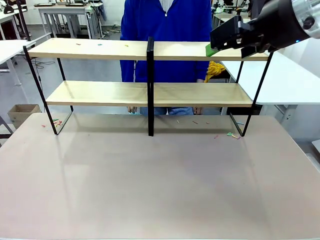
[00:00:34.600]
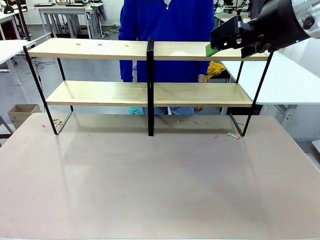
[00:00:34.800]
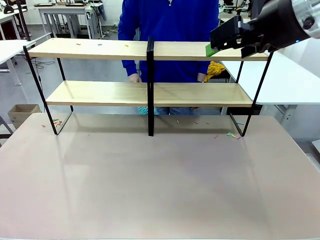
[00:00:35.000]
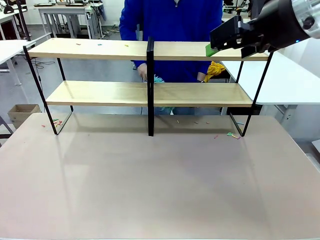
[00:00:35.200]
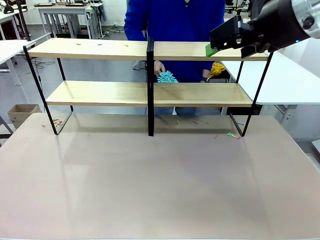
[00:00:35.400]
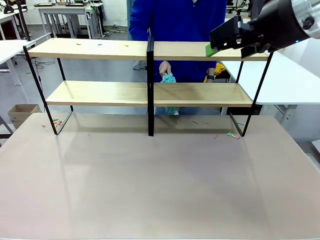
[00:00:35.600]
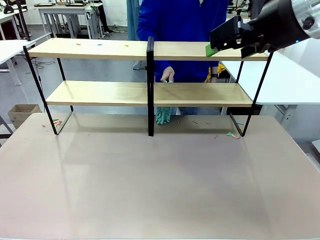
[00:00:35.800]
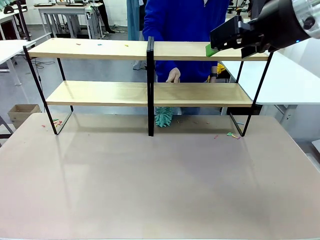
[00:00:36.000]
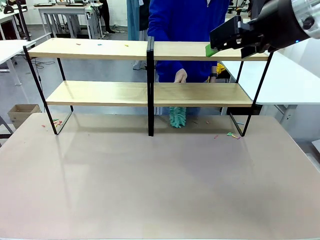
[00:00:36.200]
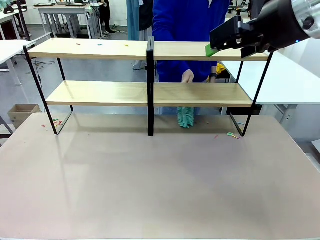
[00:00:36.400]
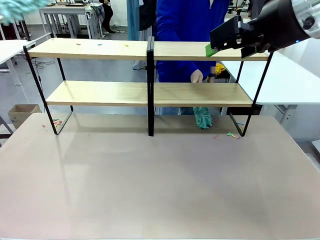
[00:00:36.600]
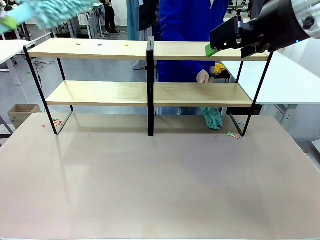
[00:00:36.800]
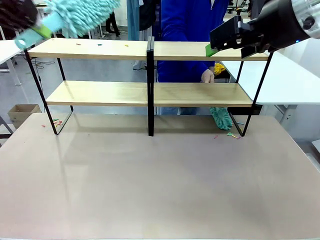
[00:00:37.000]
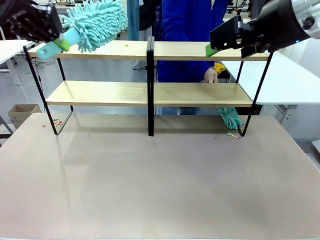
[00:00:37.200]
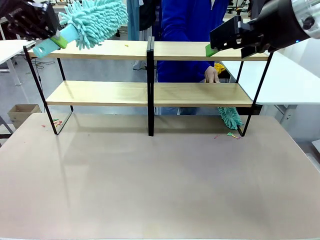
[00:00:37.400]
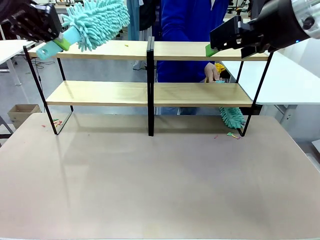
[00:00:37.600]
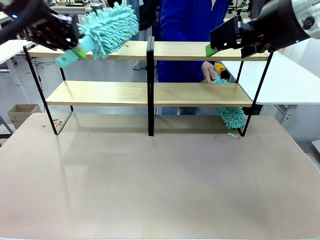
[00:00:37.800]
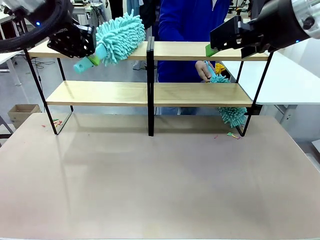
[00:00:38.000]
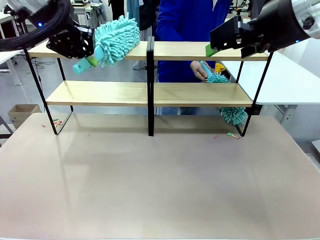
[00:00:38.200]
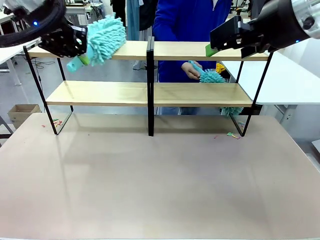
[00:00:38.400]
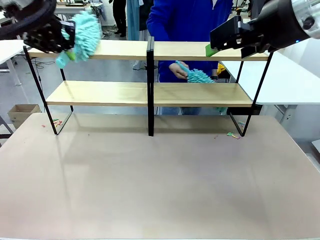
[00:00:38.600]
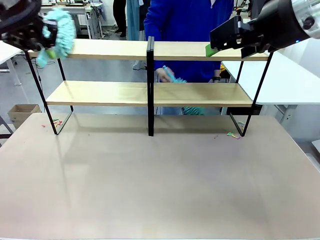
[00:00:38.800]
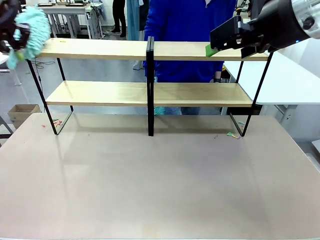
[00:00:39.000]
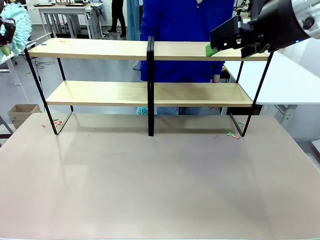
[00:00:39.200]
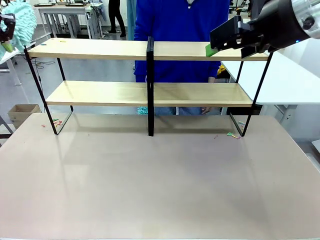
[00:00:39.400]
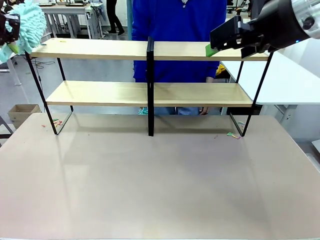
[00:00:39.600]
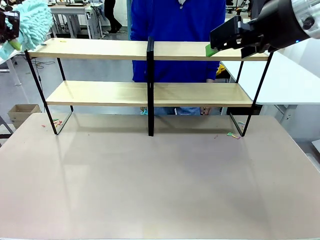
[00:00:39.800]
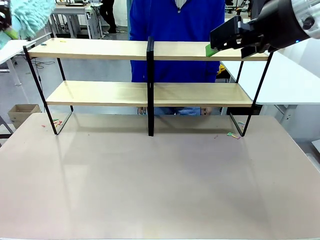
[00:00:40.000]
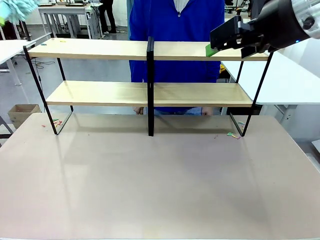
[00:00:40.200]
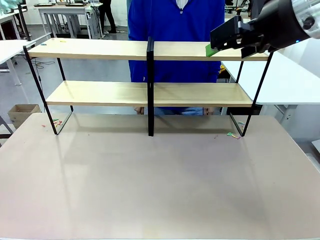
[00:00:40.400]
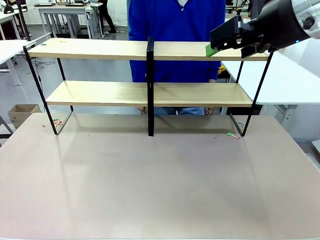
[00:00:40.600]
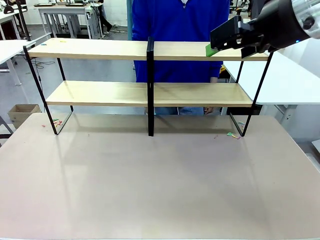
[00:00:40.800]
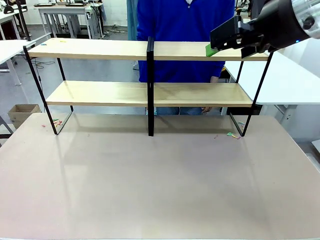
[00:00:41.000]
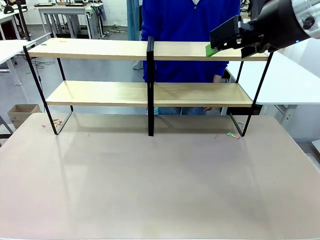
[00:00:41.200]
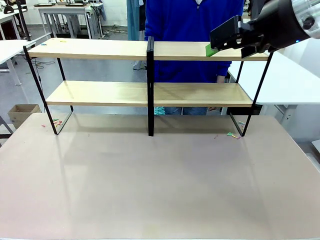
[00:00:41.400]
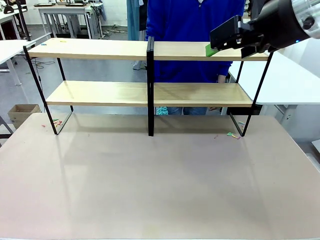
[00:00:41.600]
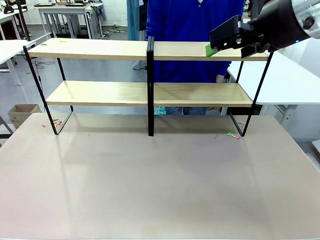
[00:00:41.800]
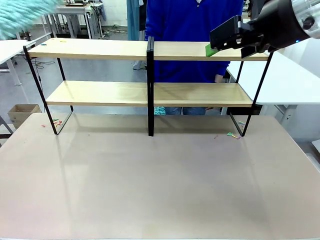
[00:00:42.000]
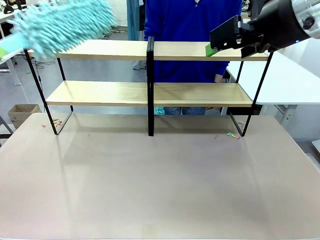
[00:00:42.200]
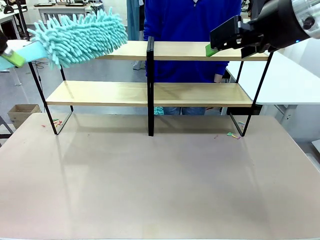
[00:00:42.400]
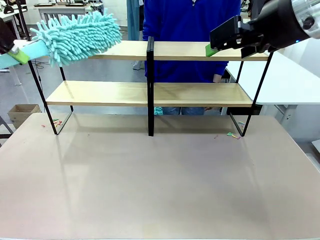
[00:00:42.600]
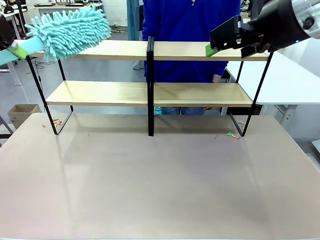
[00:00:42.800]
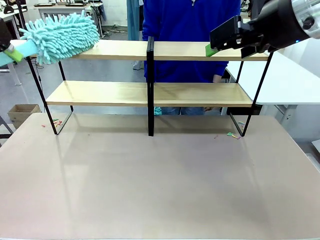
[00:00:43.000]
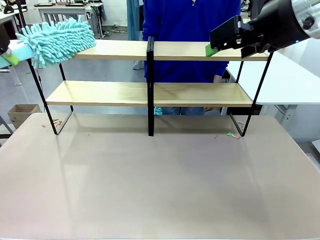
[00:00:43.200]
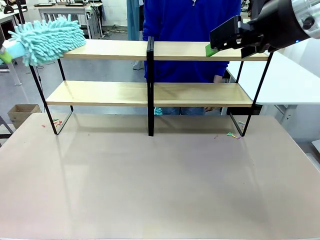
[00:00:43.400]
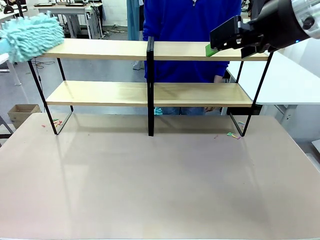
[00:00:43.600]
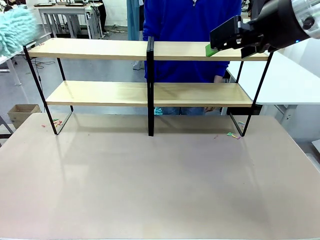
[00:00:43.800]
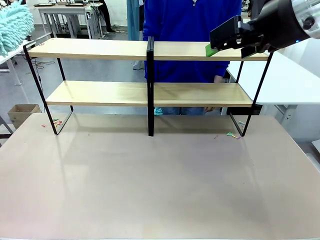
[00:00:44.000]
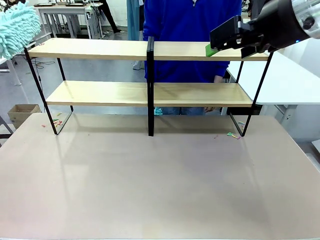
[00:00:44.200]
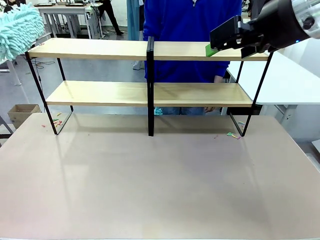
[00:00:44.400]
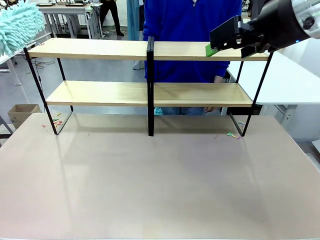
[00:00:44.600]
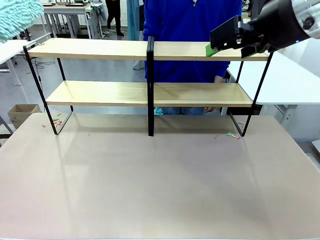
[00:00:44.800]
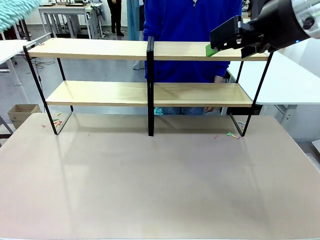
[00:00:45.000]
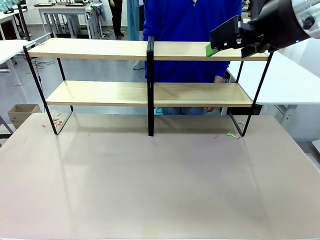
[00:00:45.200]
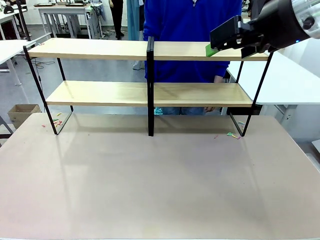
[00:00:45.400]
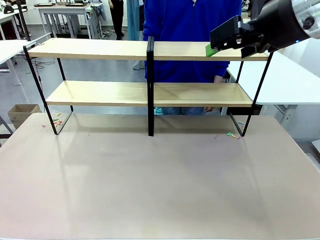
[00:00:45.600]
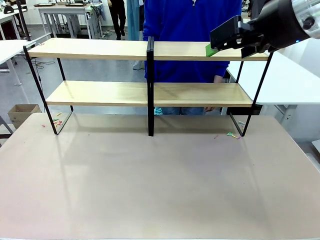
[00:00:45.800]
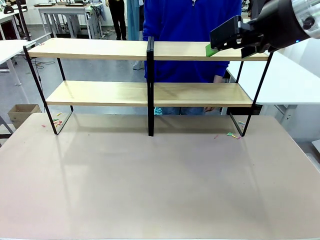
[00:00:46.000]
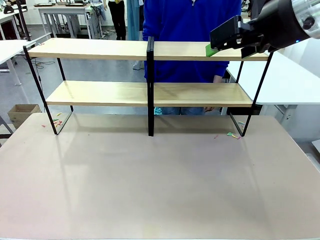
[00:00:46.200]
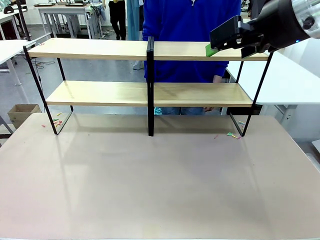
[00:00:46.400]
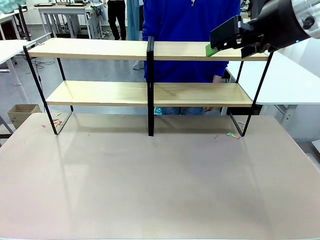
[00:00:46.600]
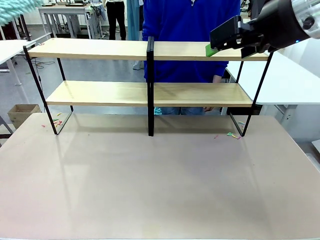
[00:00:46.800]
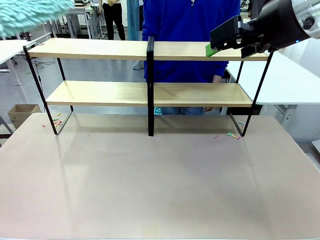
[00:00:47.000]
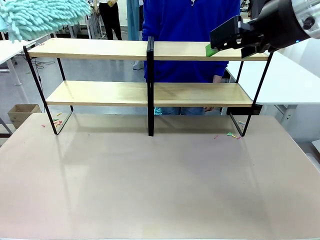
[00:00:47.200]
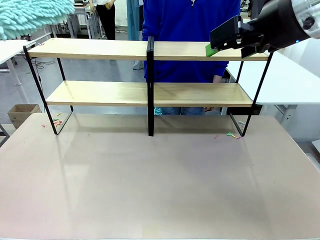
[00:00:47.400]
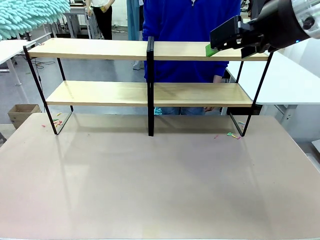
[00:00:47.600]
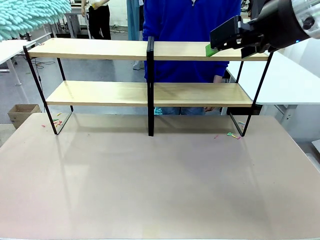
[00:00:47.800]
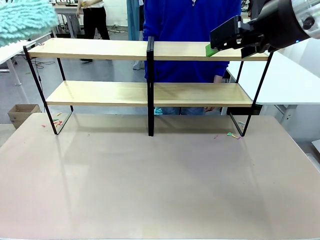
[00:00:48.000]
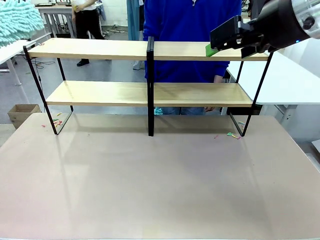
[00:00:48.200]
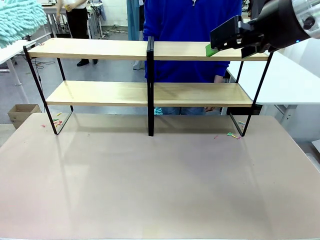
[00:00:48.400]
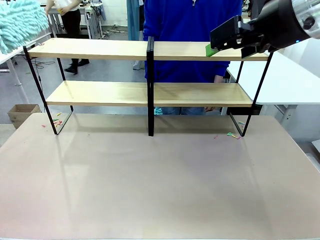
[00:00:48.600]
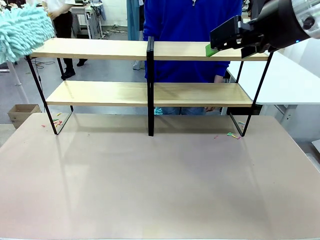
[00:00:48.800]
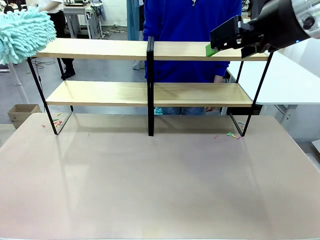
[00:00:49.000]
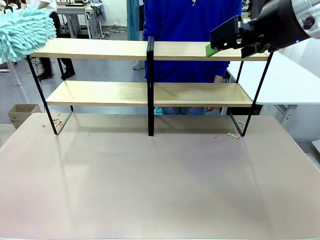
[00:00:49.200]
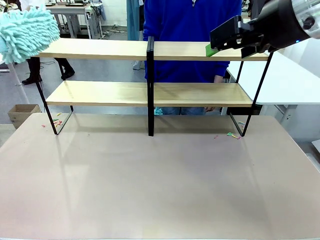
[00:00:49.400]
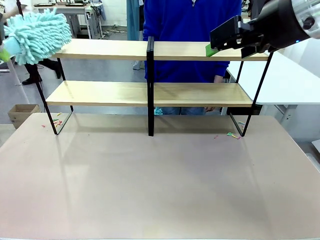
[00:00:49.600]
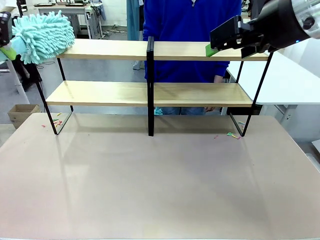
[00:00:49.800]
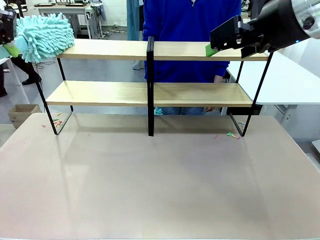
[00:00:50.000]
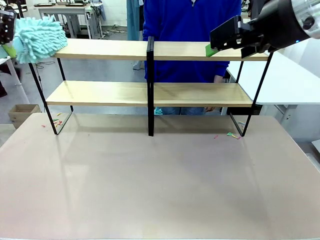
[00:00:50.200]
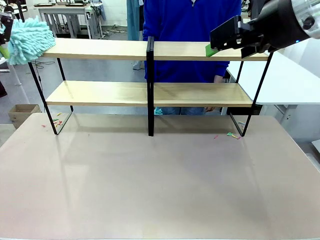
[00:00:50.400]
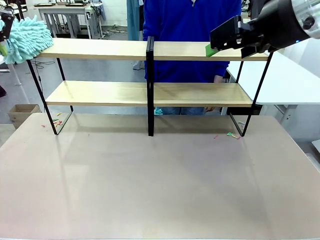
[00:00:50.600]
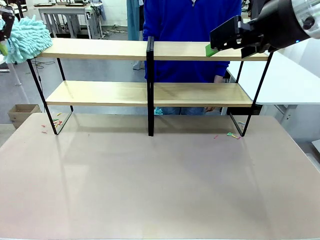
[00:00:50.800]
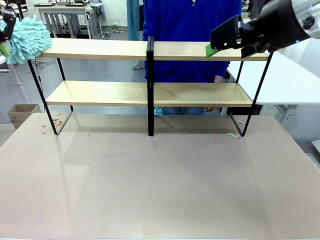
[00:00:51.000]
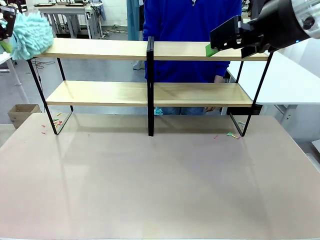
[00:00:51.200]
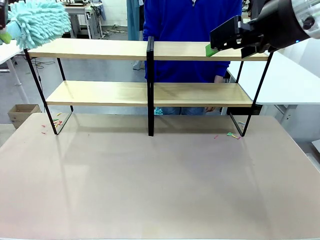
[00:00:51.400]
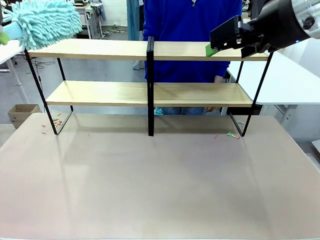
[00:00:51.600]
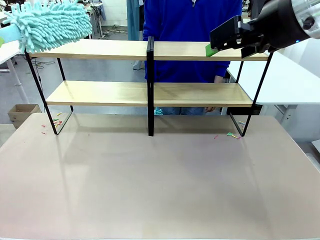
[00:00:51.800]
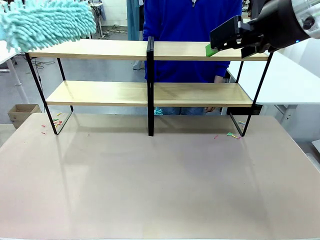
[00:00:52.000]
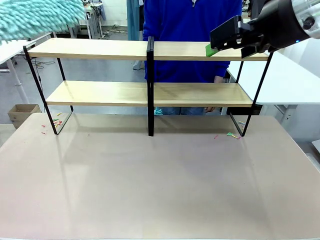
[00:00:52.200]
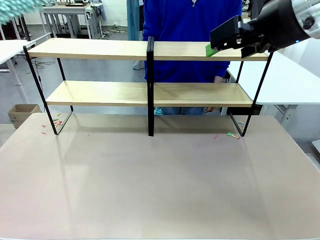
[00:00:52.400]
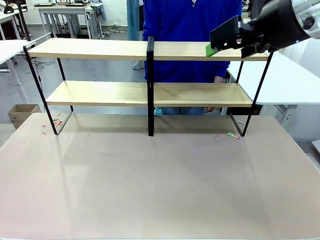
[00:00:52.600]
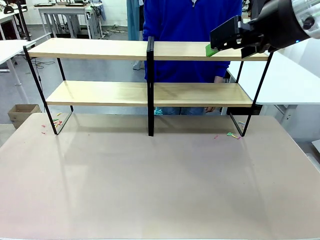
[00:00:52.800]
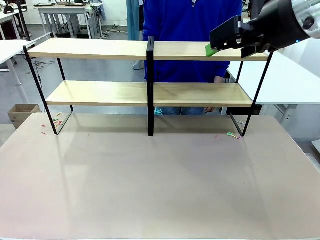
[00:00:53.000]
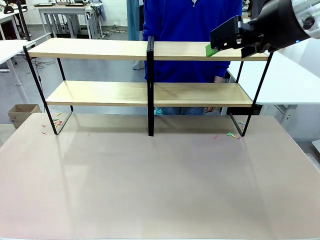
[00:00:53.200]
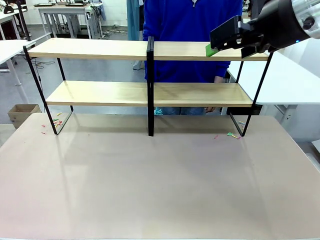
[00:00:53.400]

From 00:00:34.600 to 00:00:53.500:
Task: Clean the shelves.
Robot: Clean another randomly selected level of the Shelf with the Duster.

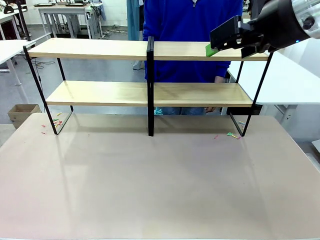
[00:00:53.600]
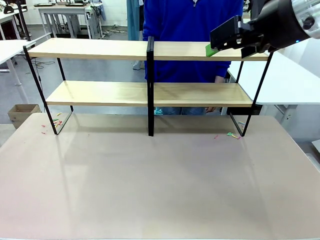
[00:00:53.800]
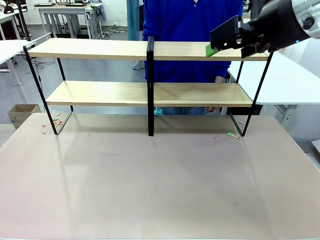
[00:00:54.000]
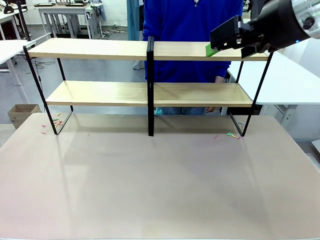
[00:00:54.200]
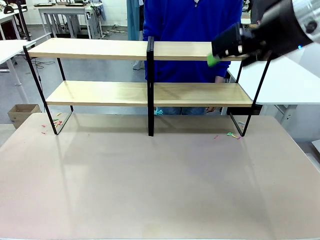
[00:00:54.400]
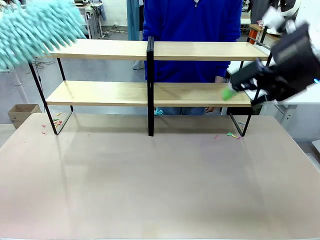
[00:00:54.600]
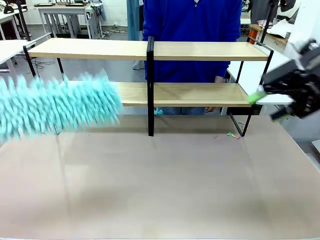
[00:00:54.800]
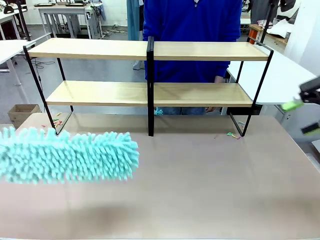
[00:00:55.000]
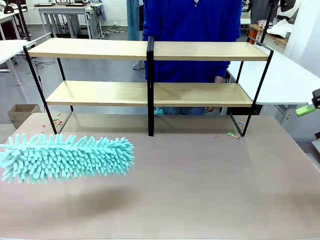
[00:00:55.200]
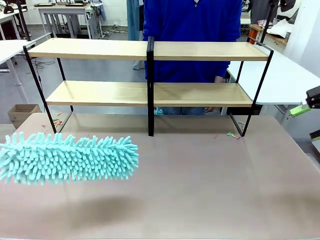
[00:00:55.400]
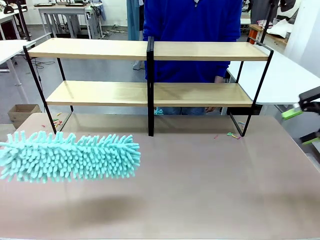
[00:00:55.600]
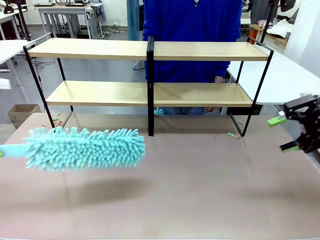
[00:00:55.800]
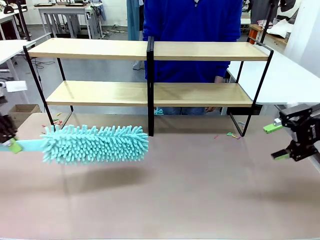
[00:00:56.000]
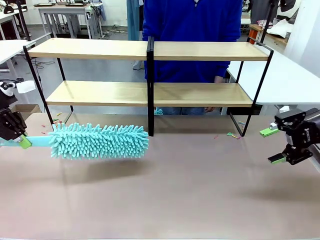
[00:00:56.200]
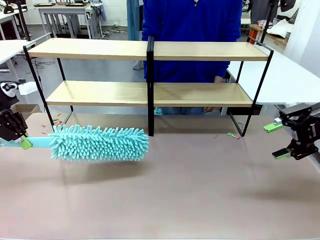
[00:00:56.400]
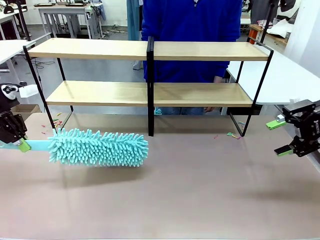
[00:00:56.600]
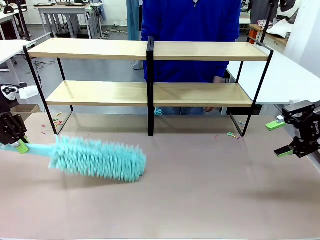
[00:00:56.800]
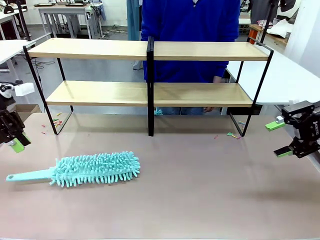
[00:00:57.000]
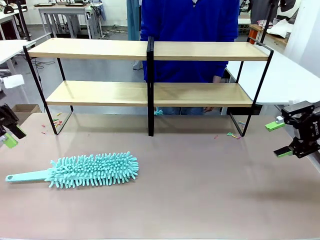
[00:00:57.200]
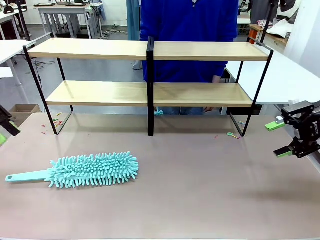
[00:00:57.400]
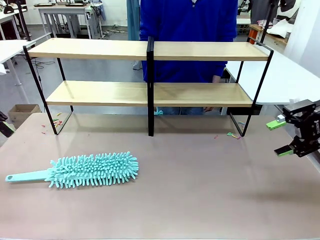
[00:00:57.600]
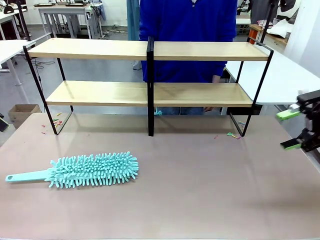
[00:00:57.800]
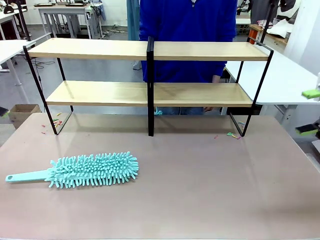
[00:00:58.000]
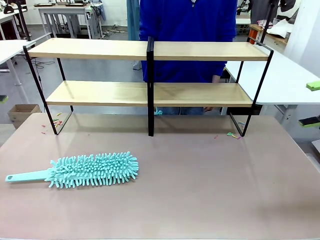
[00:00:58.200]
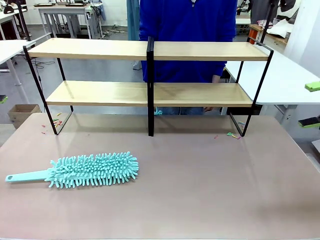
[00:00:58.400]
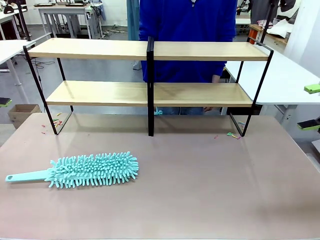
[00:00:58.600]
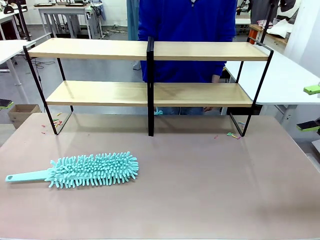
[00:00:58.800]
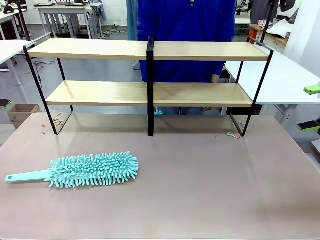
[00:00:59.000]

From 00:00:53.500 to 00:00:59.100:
Robot: Place the Duster on the table.
